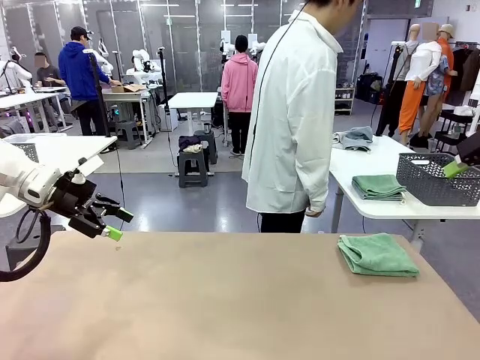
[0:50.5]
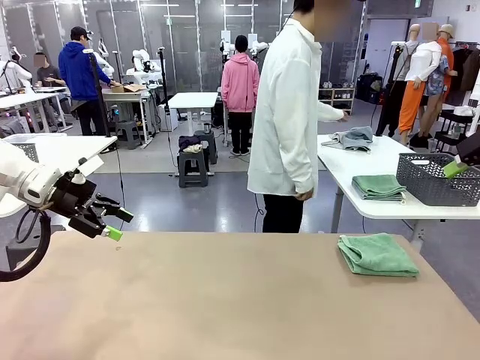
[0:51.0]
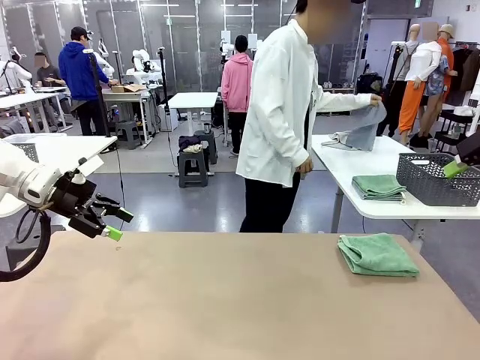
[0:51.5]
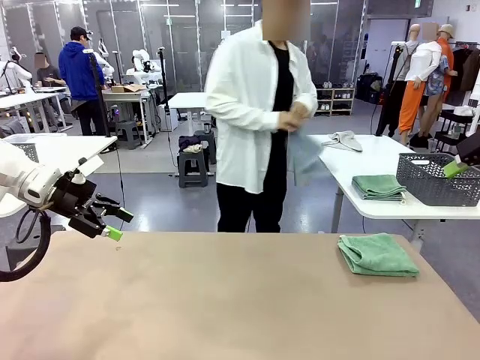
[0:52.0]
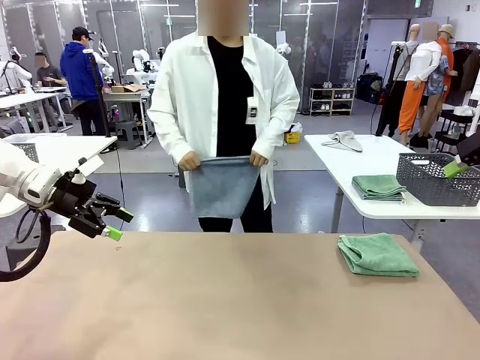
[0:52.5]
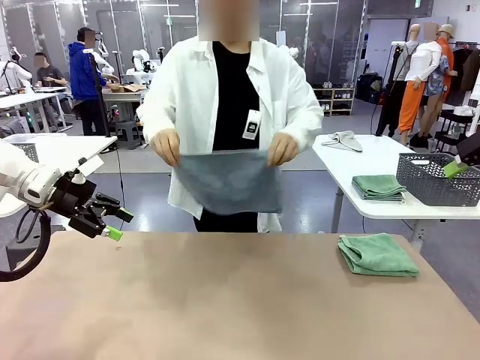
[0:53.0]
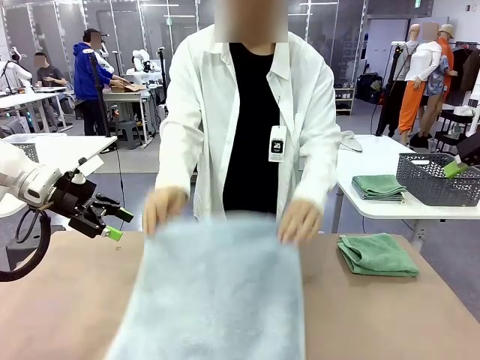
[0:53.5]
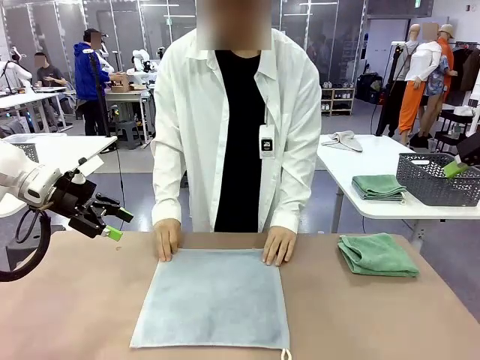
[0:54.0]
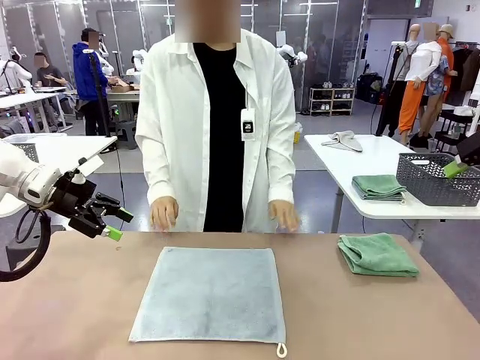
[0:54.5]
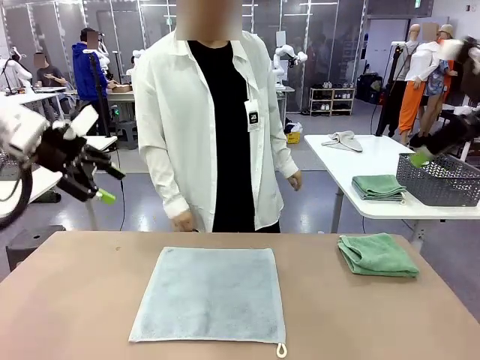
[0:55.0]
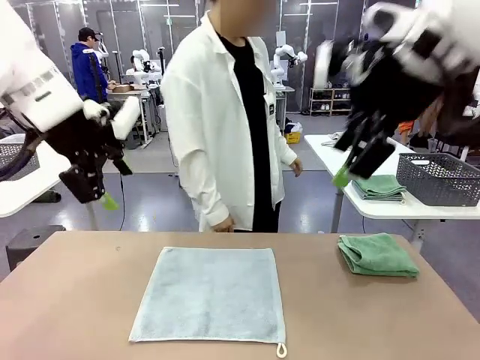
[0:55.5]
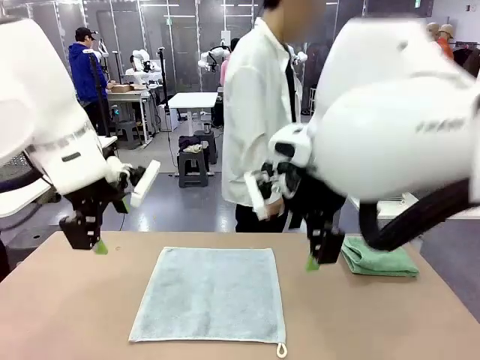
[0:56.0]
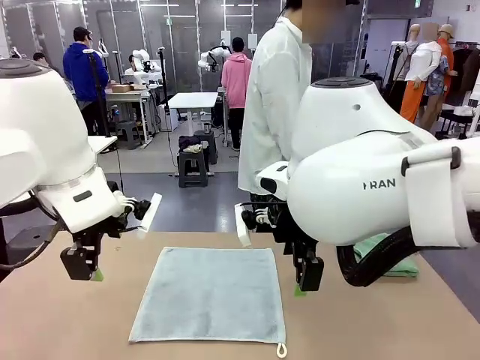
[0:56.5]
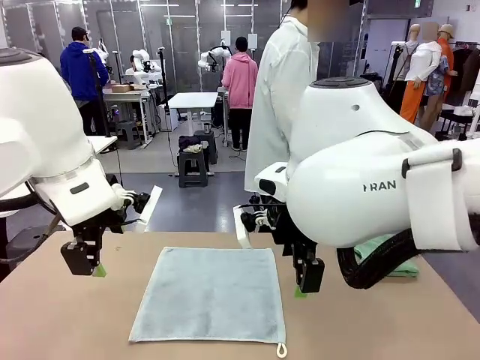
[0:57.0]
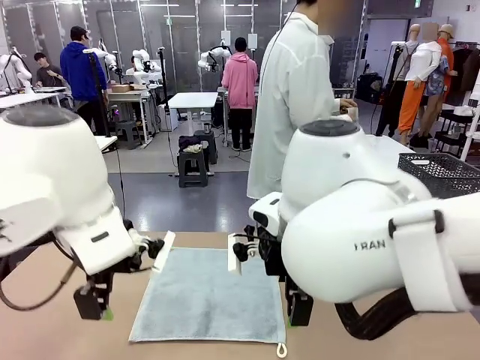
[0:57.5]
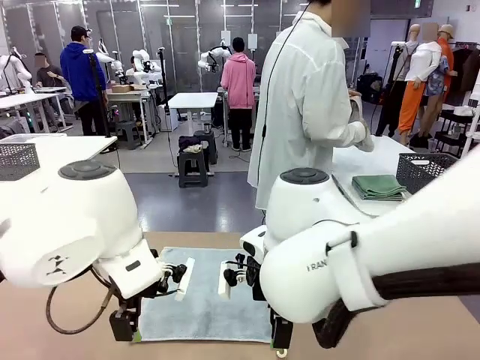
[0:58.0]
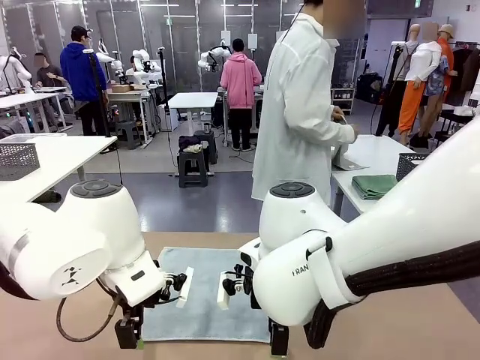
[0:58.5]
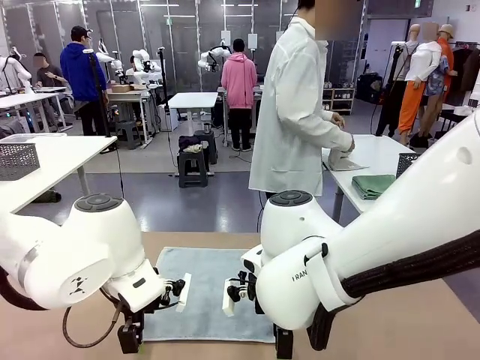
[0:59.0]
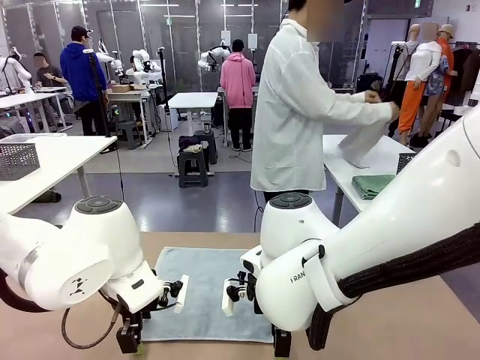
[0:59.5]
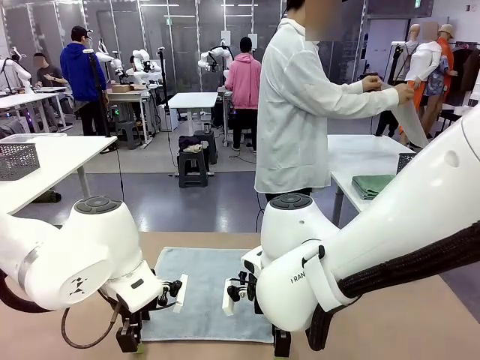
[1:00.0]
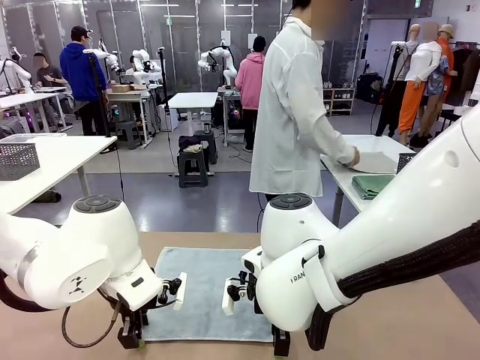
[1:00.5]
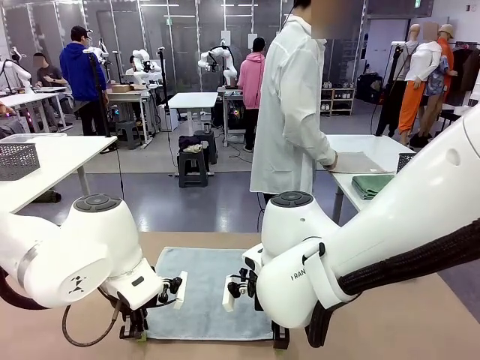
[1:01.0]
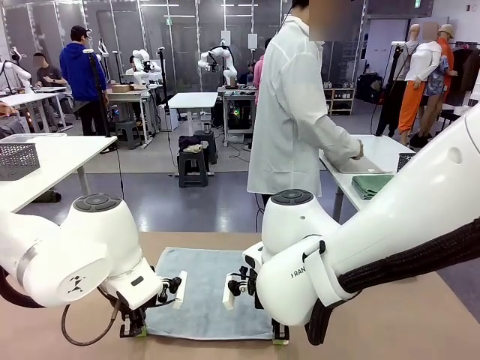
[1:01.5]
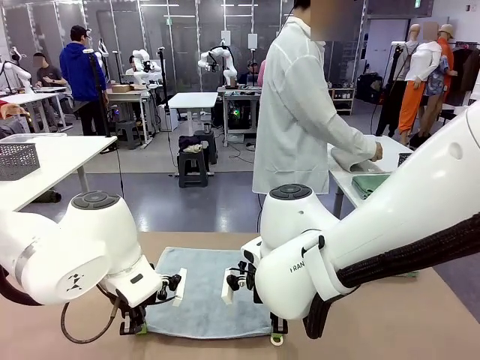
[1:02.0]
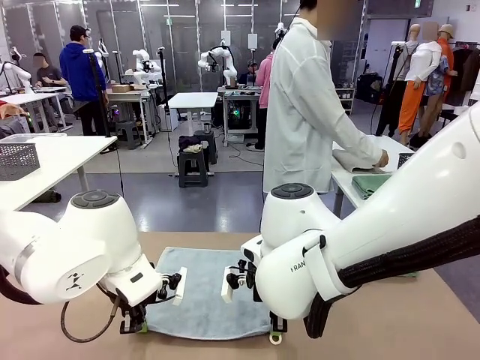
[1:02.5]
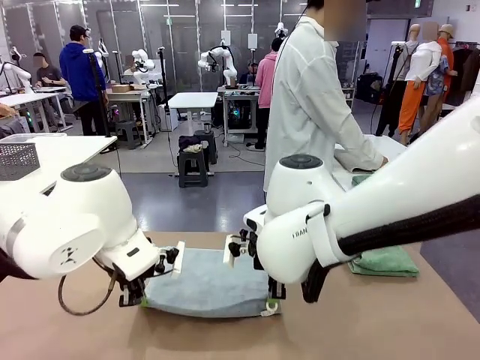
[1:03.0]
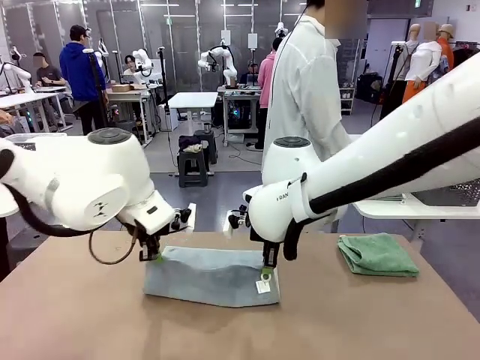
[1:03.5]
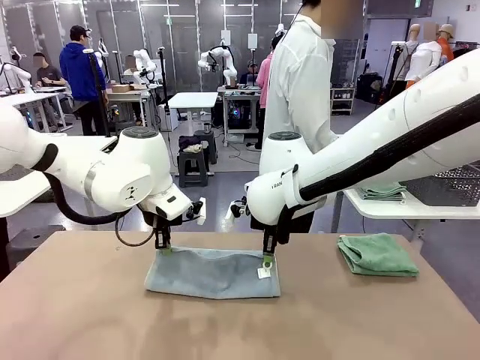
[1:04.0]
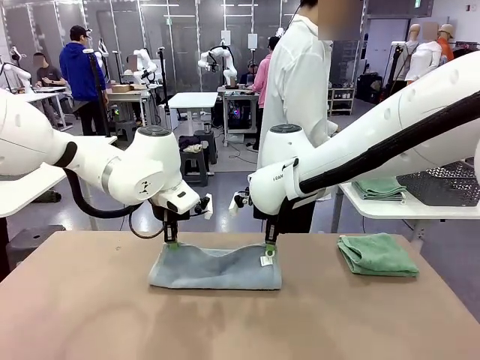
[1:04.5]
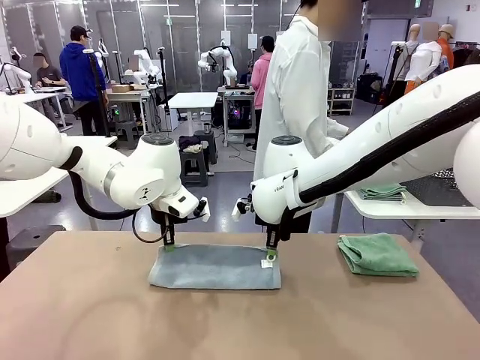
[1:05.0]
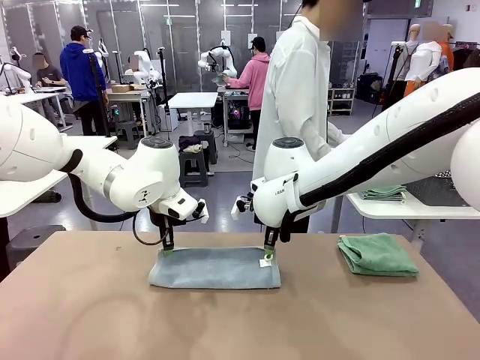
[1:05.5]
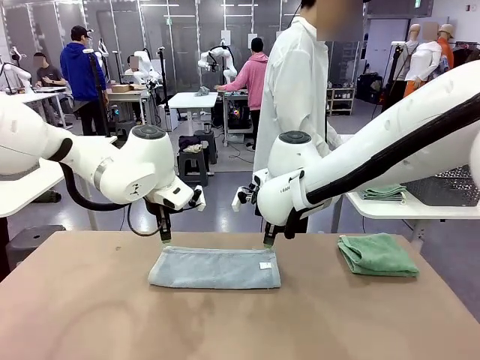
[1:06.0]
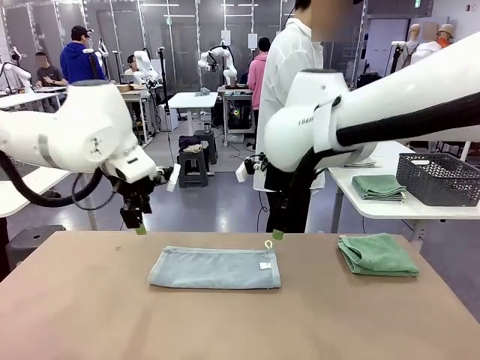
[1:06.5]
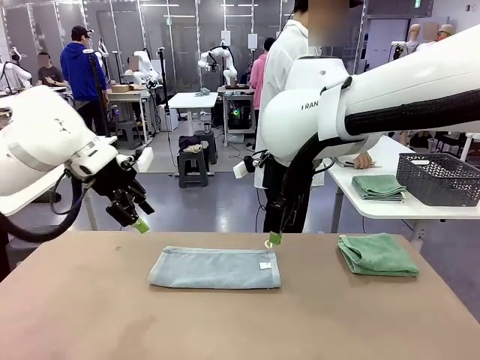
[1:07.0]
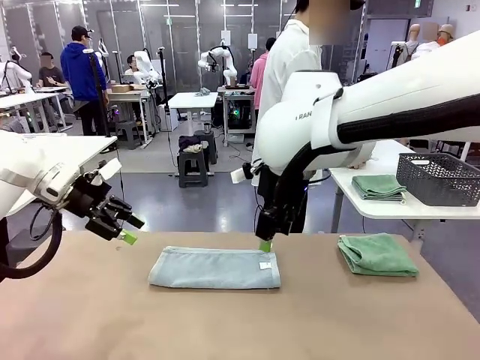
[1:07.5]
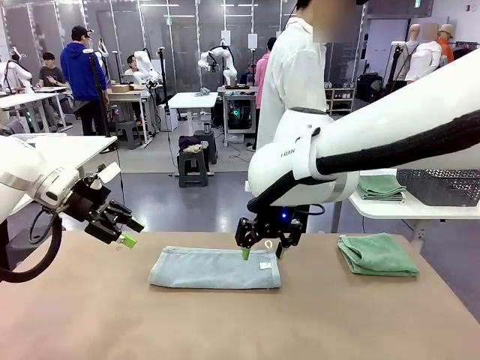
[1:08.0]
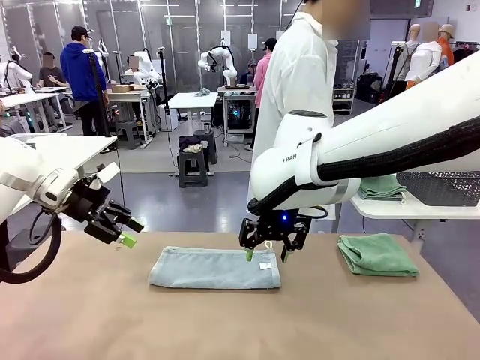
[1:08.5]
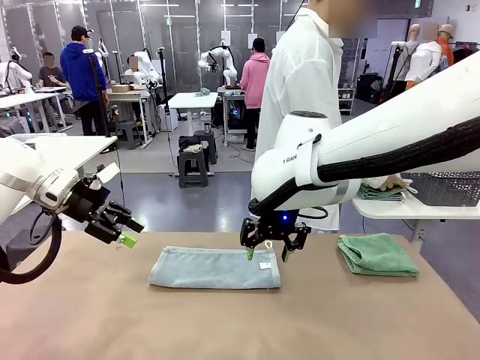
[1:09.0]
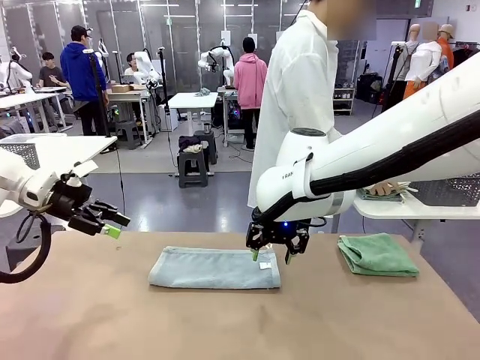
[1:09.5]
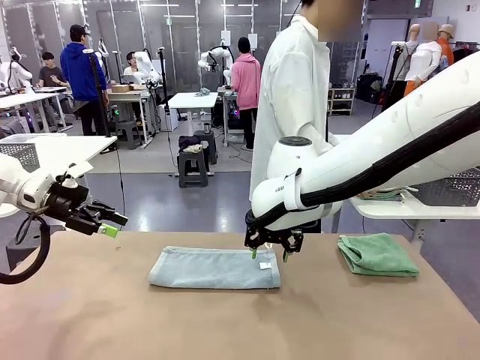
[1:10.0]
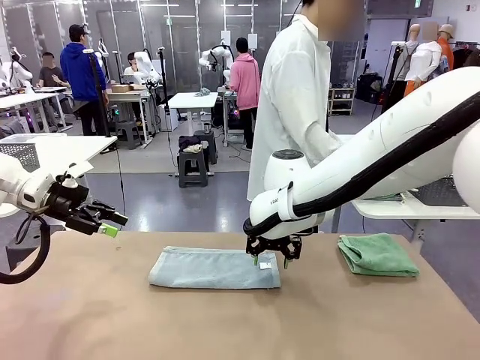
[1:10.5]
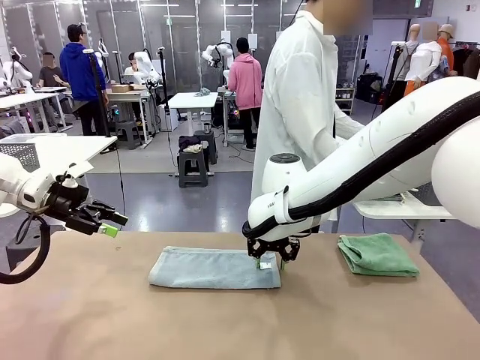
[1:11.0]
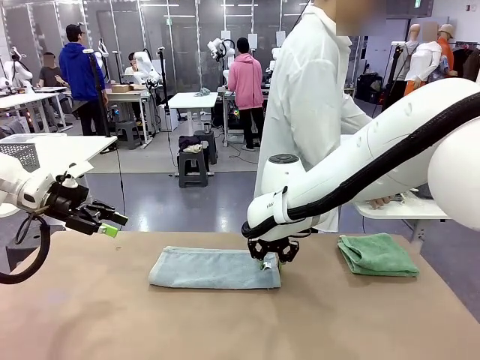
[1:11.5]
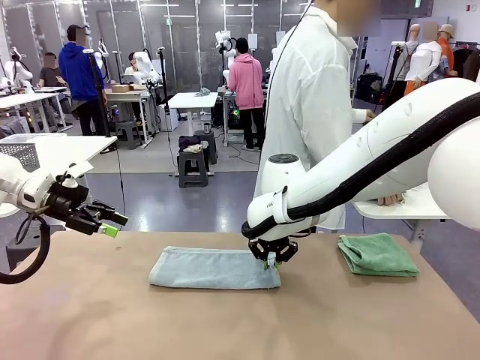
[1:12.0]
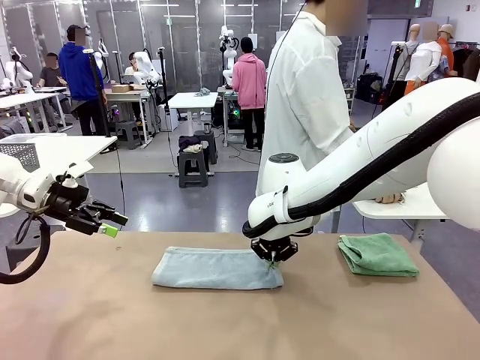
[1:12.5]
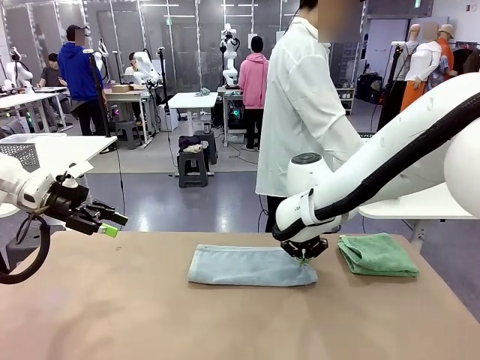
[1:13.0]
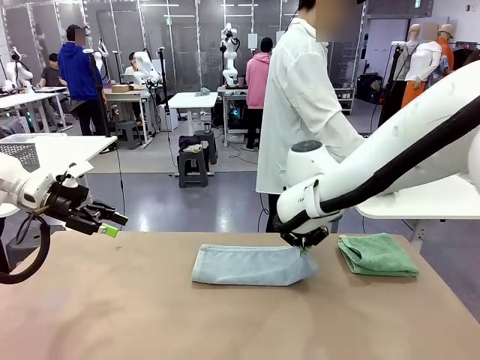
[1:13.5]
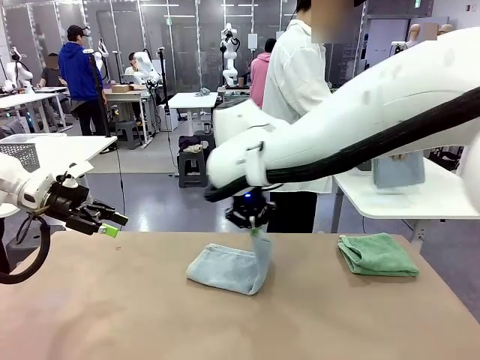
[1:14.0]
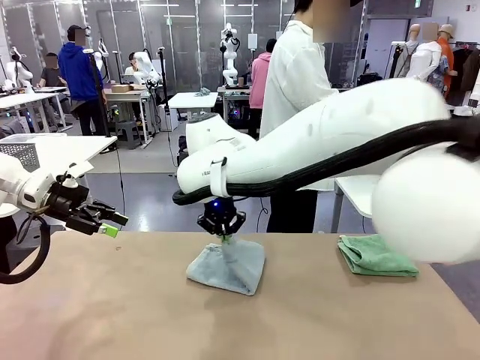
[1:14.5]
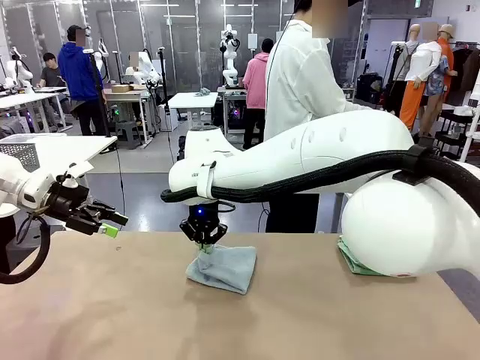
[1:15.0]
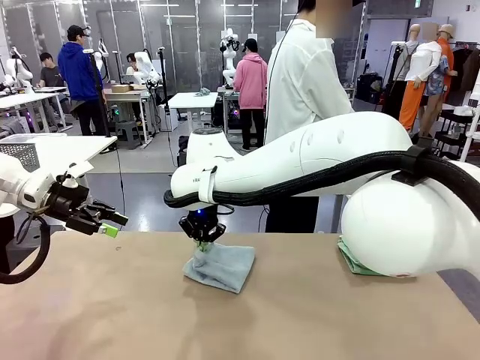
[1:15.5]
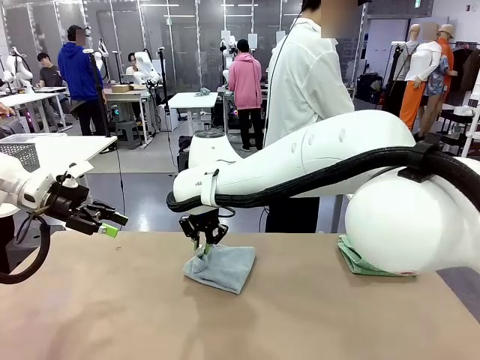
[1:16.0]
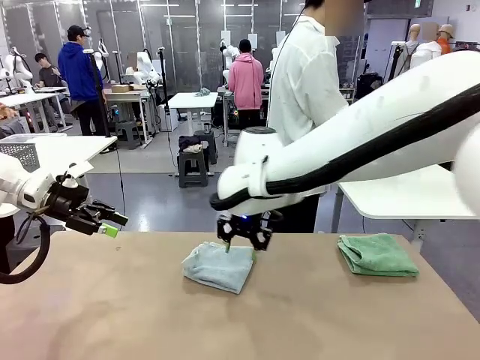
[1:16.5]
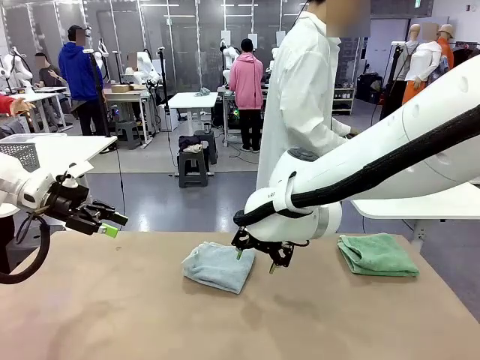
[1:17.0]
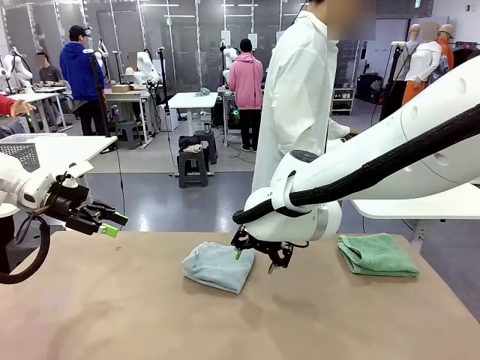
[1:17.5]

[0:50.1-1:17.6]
Task: Fold the towels and place them in the basket.
Robot: When a person lays out a Towel with hook on the table, fold it in half twice.
Person: Pick up one towel from the left side of the human table and spread it out at the center of the robot table. Pick up one towel from the left side of the human table, fold it in half twice, and stack it on the right side of the table. Pick up the stack of towels from the right side of the human table, place it into the basket, and put the basket at the center of the table.
